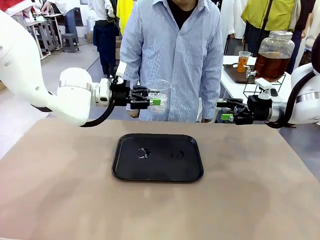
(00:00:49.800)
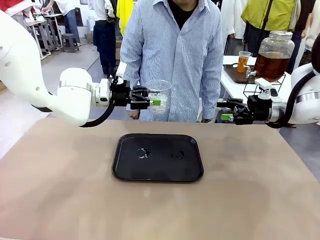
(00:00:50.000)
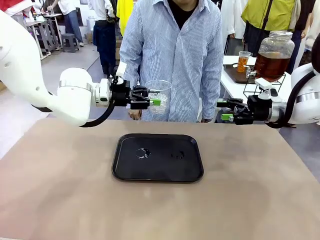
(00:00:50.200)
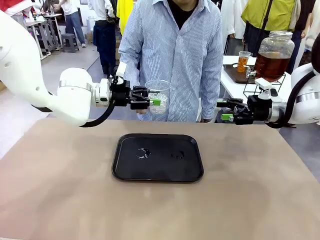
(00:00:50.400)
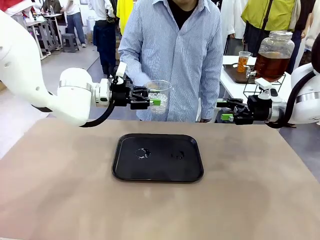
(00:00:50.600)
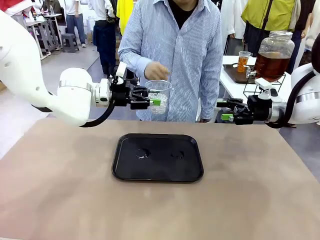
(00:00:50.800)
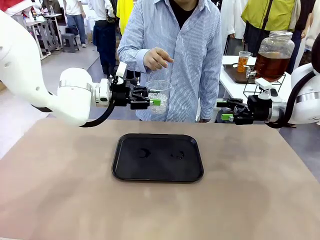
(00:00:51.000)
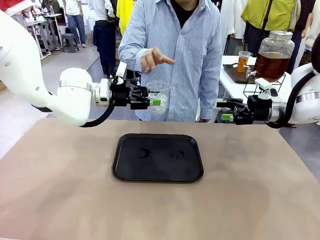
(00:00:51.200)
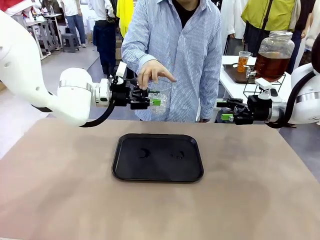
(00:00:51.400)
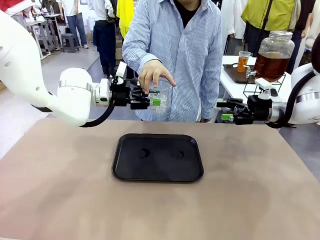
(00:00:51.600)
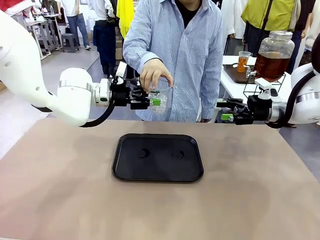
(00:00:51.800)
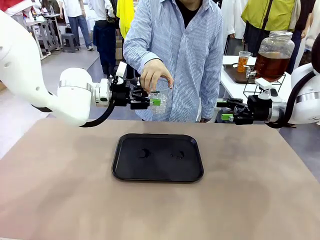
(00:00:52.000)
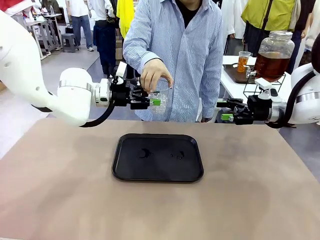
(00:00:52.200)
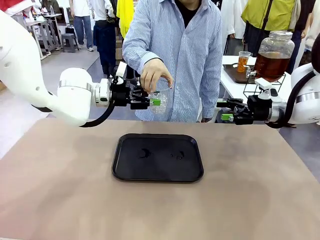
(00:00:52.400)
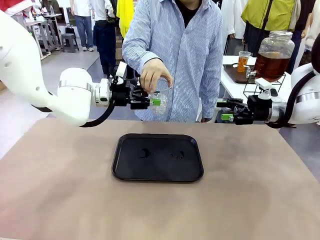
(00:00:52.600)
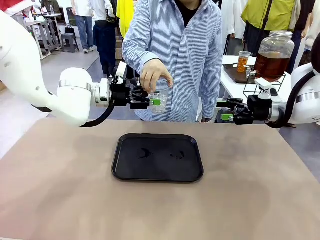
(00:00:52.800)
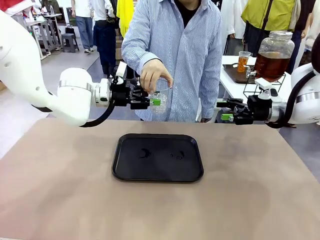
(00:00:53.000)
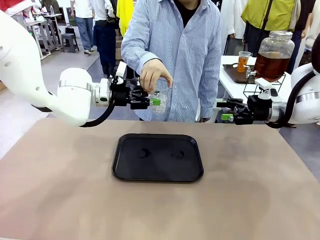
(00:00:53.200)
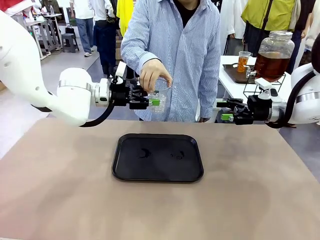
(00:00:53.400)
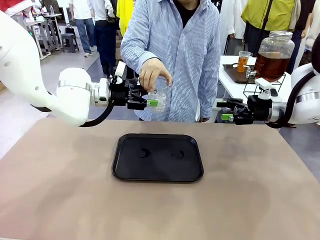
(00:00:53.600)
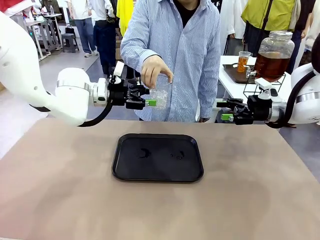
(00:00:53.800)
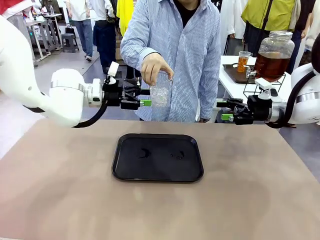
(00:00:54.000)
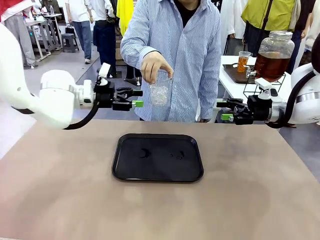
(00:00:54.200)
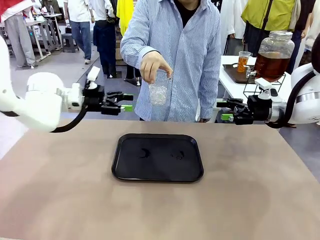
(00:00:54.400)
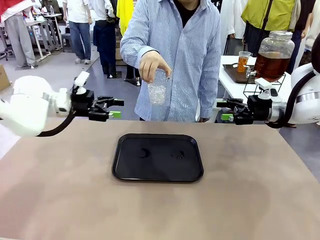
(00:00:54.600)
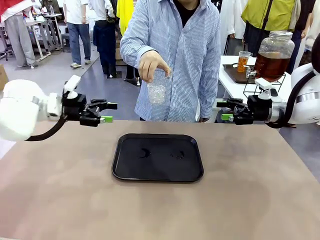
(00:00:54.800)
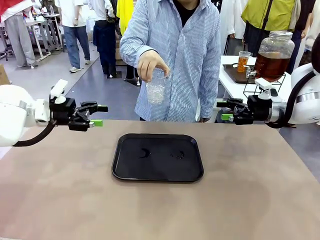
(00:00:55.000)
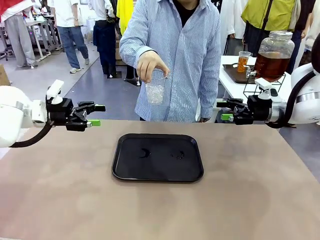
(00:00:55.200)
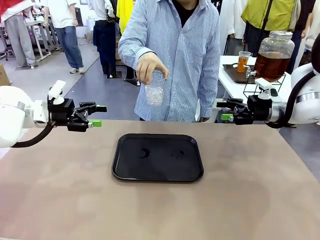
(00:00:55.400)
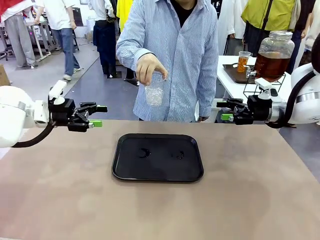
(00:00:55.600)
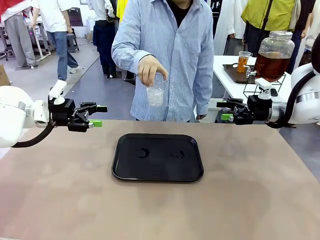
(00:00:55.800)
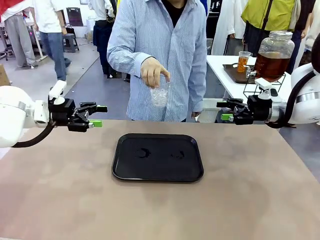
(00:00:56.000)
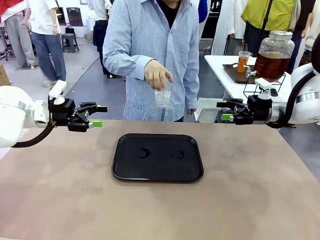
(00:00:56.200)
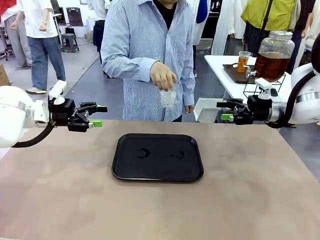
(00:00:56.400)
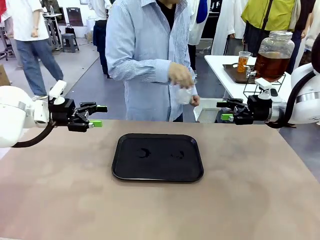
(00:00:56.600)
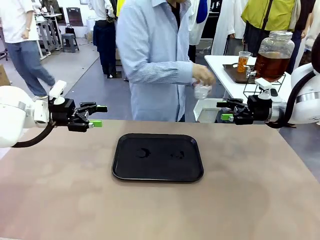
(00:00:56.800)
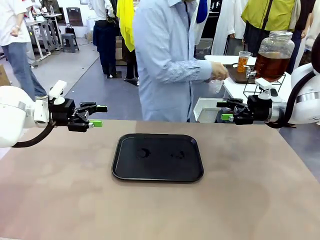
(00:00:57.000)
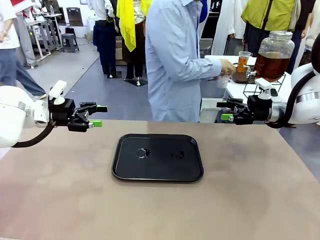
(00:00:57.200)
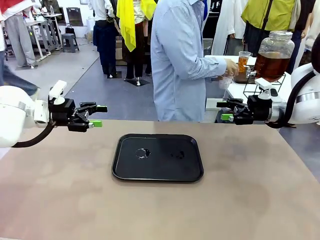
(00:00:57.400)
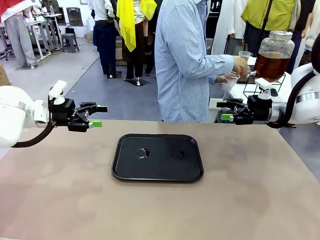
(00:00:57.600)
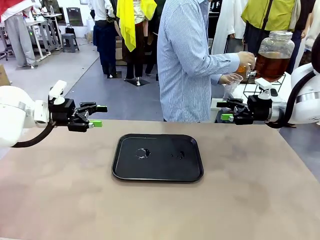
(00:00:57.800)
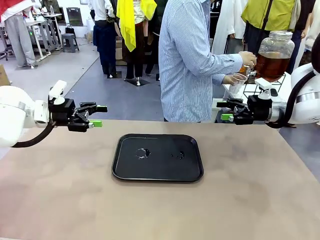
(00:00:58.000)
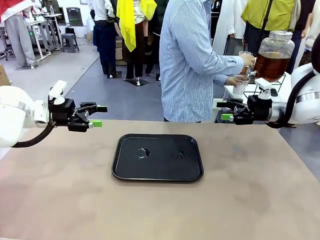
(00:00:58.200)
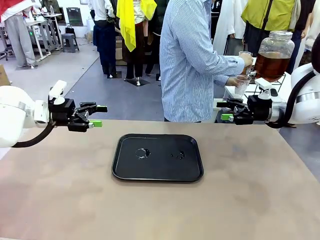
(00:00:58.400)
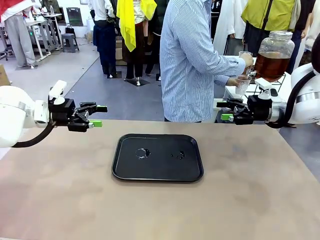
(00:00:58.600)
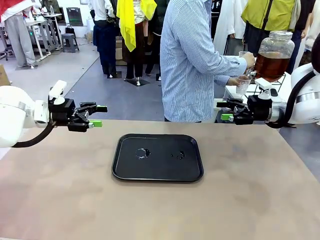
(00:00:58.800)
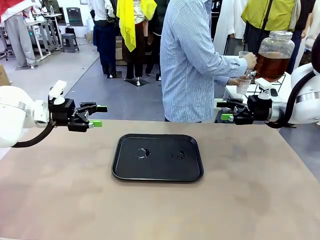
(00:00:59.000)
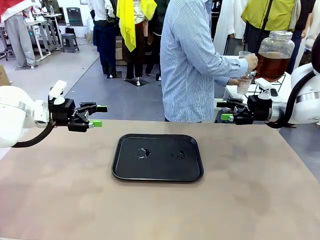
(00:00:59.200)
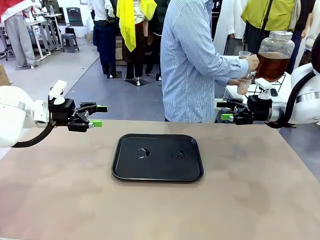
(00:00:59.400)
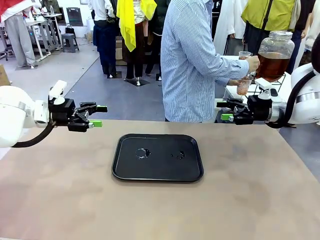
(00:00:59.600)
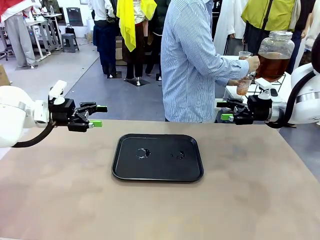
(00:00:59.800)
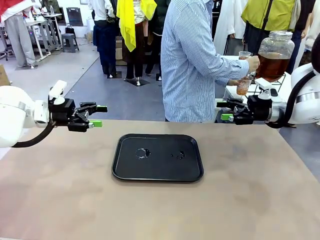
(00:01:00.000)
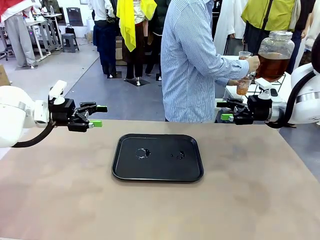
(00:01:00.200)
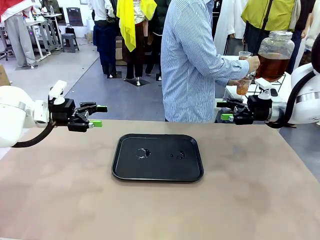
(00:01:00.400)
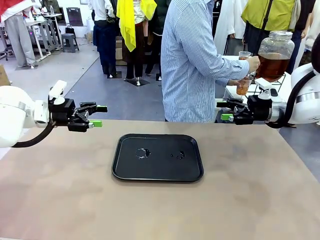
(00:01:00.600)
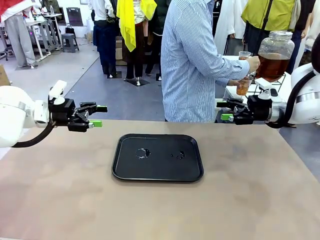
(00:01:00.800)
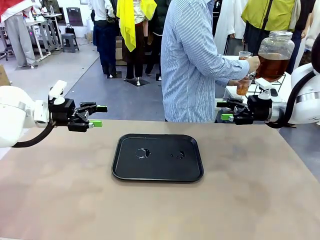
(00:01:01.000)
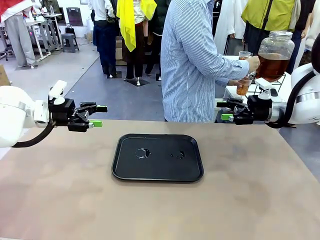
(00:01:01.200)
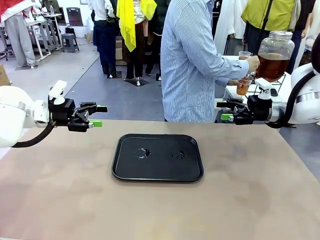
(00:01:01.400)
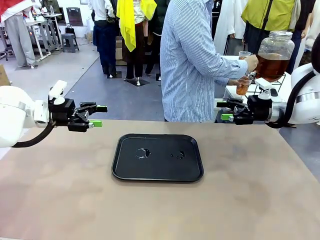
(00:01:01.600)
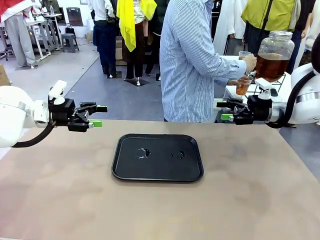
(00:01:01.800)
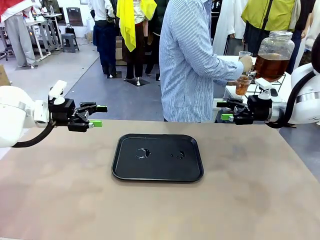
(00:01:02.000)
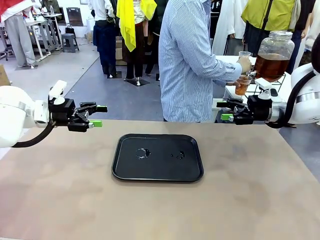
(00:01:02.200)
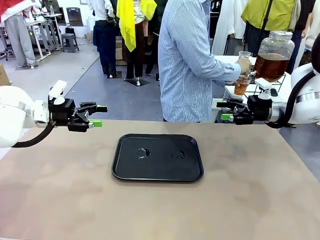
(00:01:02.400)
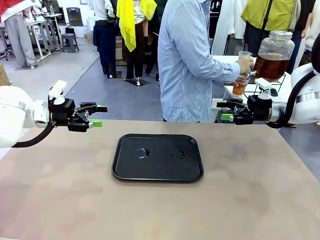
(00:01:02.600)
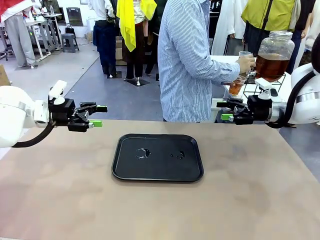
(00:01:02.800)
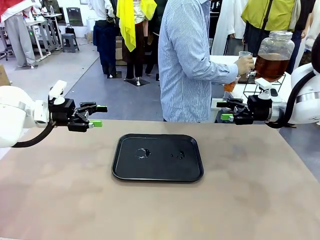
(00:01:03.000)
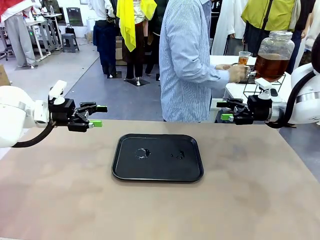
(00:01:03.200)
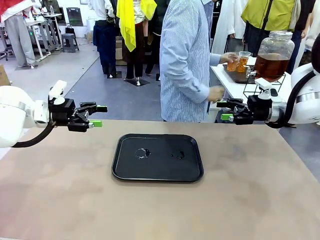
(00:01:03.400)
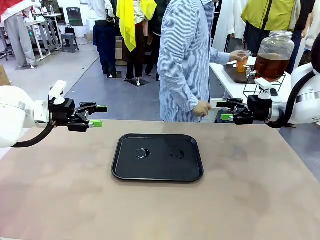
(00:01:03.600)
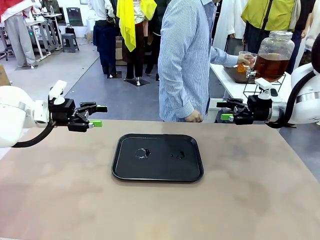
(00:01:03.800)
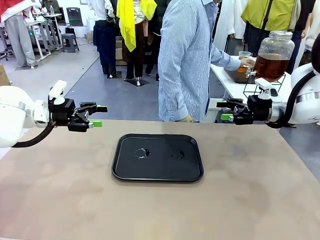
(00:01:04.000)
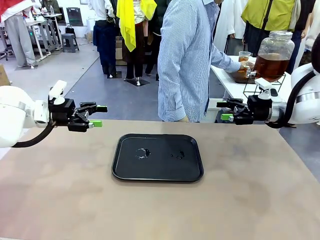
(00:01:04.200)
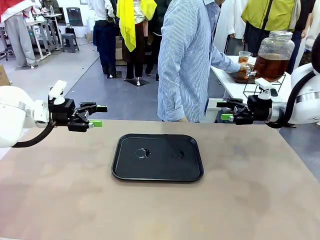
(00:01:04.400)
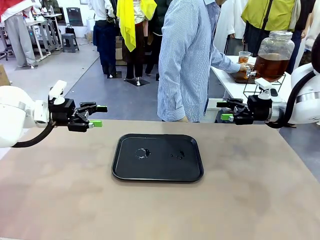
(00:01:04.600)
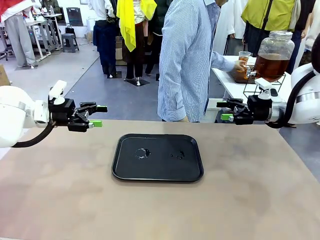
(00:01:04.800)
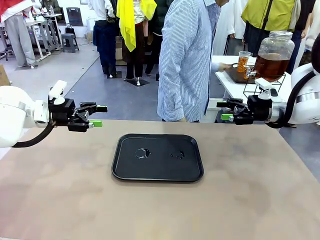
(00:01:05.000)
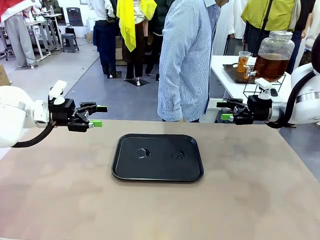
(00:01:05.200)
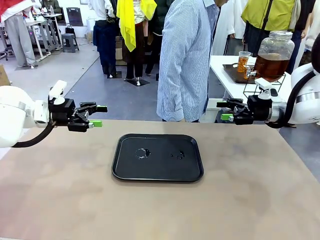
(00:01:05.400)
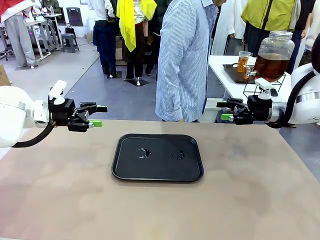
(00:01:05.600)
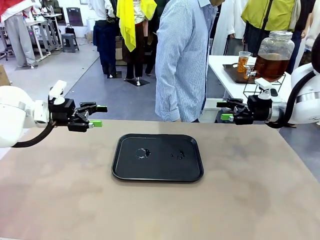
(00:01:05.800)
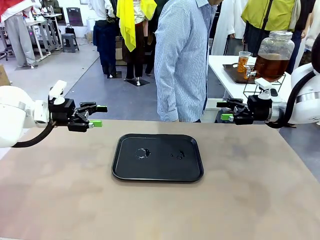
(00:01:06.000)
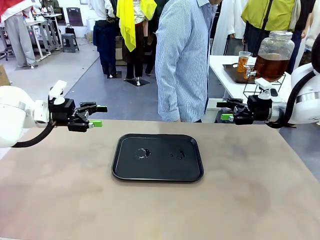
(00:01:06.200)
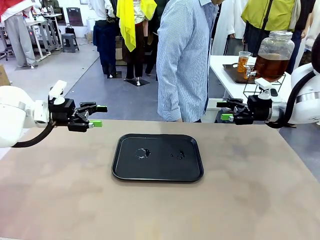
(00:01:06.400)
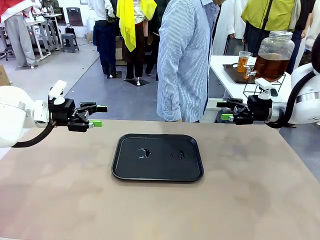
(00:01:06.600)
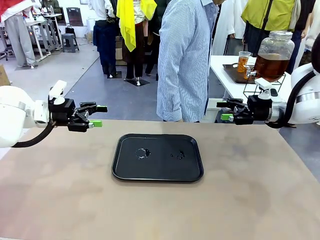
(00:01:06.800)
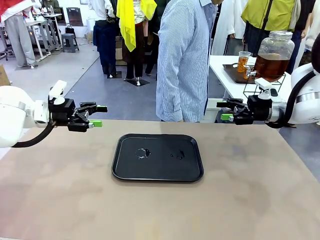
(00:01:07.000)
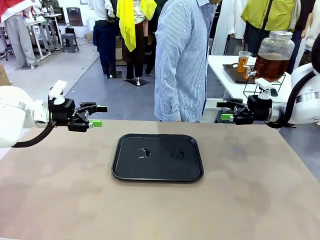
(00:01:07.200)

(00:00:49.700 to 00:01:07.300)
Task: Pour the drink into the iced cup.
Robot: Open the gripper to release the iced cup you were holding.
Person: Move the picked-up cup under the dispenser faucet, pour the drink, and place it on the tray on the human table.
